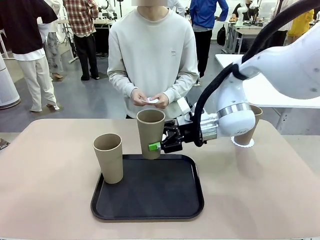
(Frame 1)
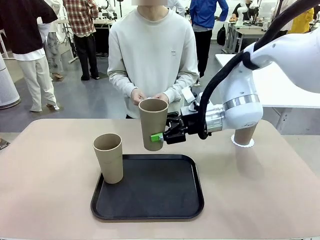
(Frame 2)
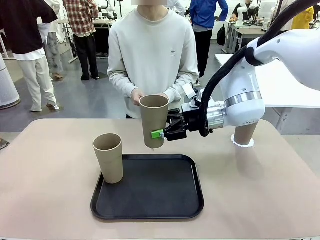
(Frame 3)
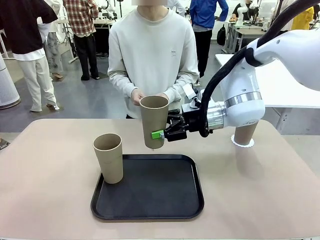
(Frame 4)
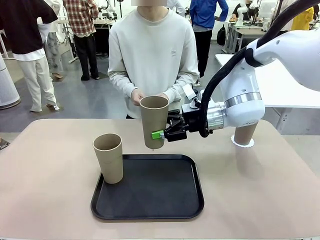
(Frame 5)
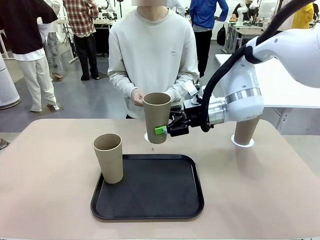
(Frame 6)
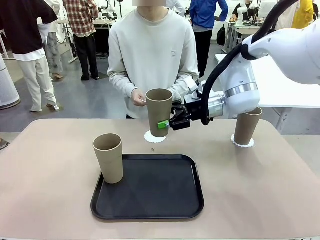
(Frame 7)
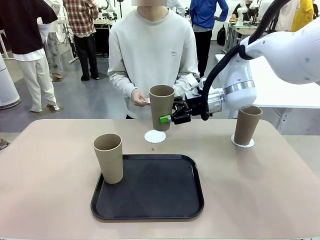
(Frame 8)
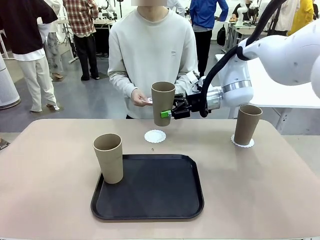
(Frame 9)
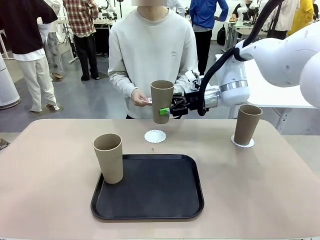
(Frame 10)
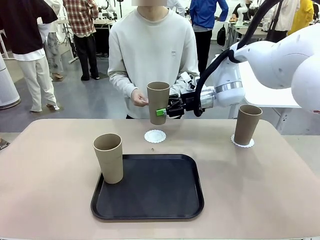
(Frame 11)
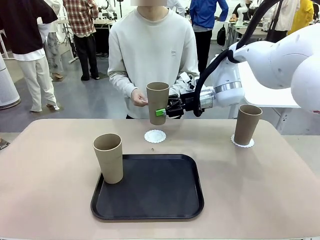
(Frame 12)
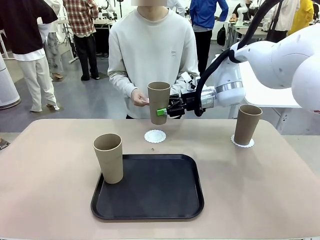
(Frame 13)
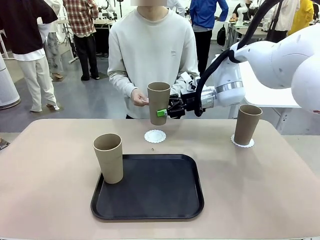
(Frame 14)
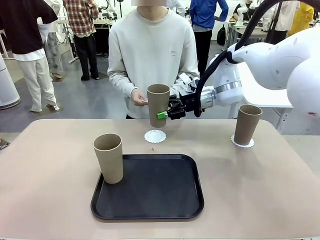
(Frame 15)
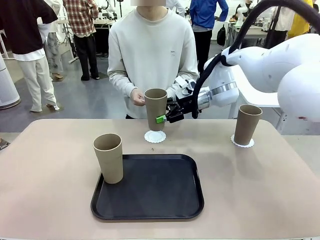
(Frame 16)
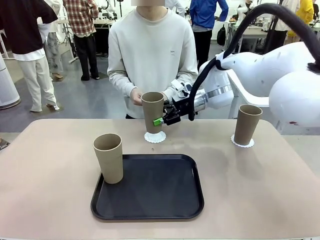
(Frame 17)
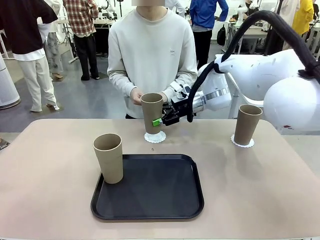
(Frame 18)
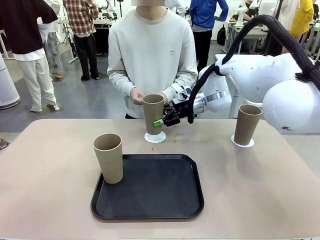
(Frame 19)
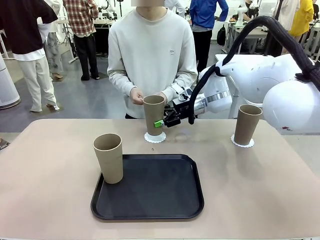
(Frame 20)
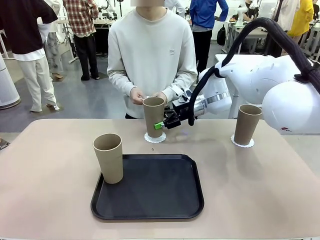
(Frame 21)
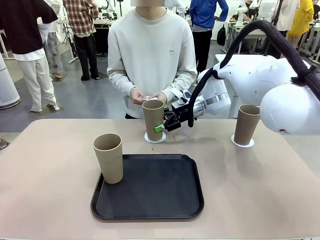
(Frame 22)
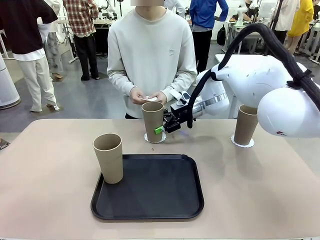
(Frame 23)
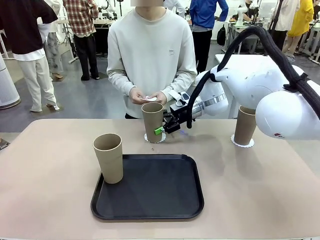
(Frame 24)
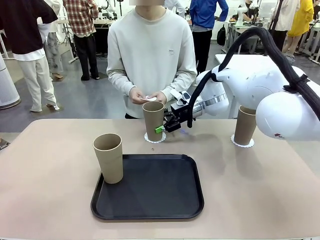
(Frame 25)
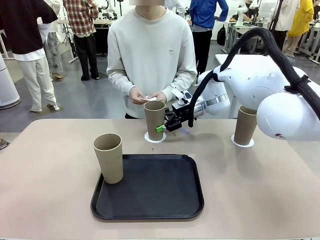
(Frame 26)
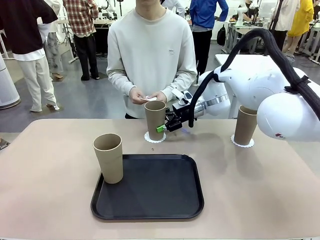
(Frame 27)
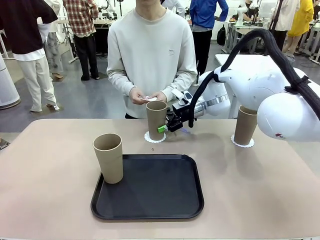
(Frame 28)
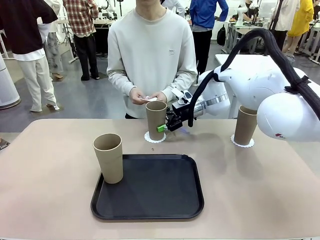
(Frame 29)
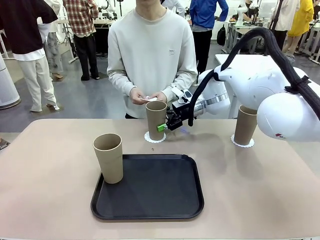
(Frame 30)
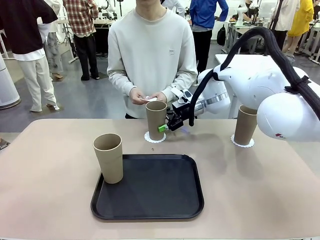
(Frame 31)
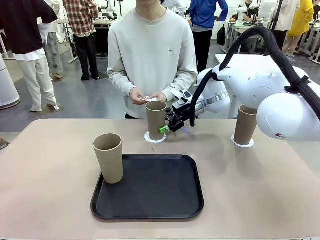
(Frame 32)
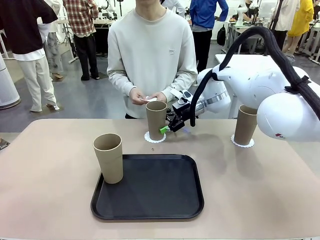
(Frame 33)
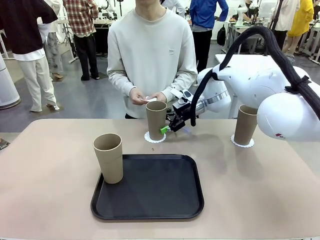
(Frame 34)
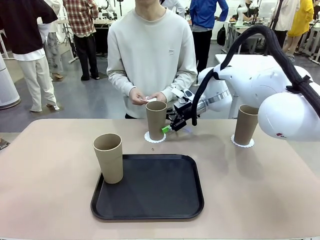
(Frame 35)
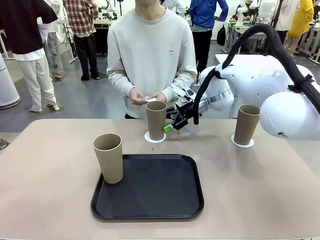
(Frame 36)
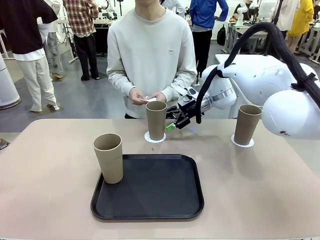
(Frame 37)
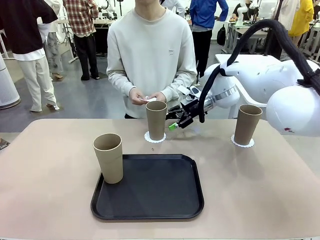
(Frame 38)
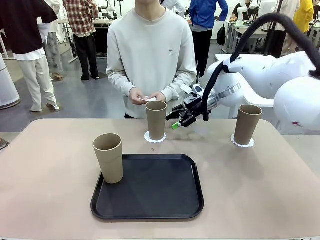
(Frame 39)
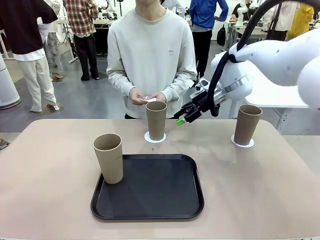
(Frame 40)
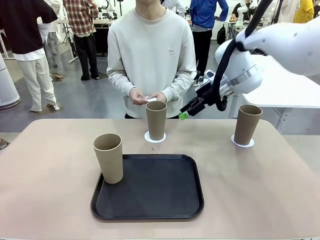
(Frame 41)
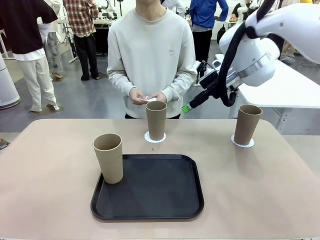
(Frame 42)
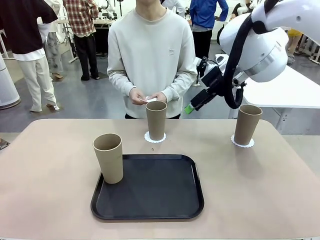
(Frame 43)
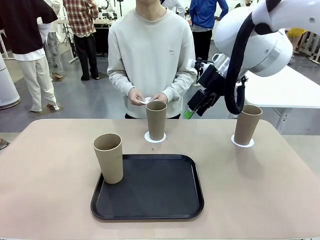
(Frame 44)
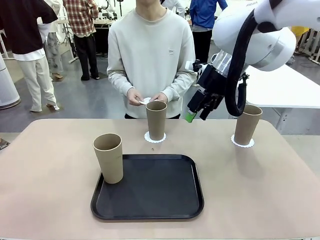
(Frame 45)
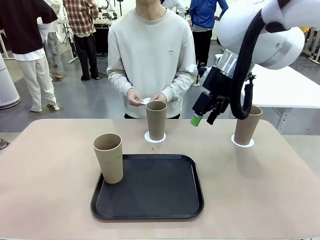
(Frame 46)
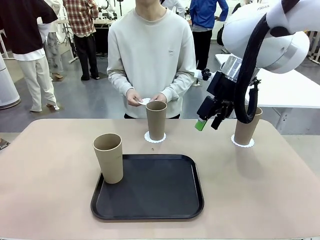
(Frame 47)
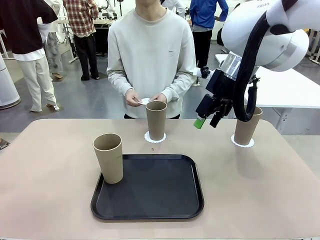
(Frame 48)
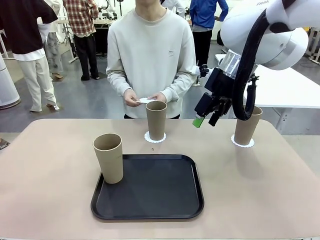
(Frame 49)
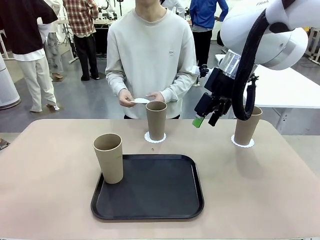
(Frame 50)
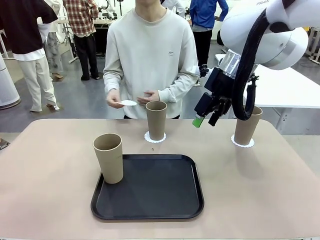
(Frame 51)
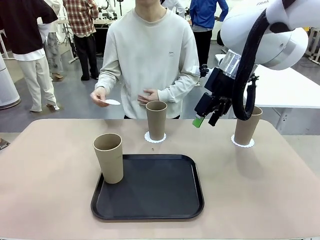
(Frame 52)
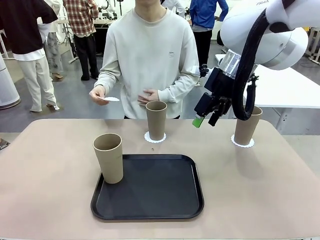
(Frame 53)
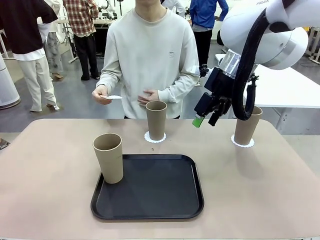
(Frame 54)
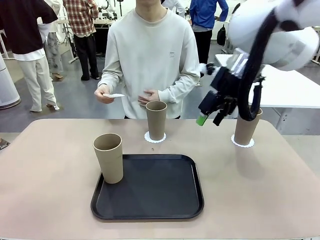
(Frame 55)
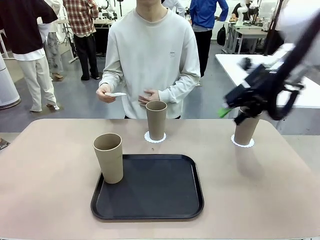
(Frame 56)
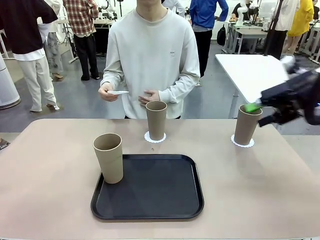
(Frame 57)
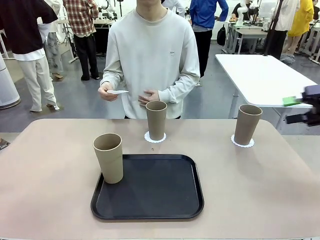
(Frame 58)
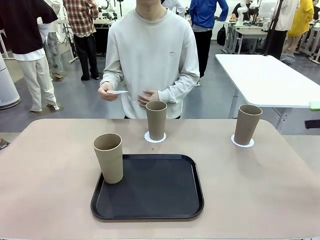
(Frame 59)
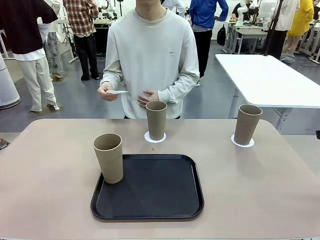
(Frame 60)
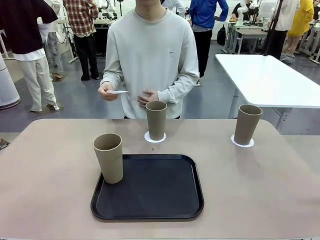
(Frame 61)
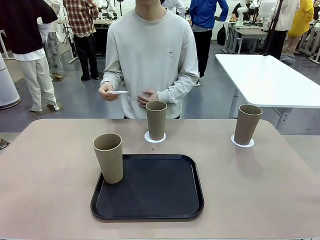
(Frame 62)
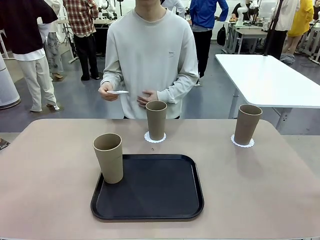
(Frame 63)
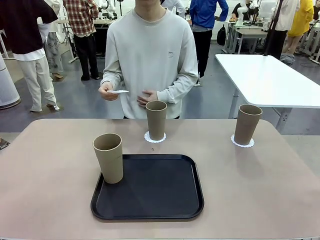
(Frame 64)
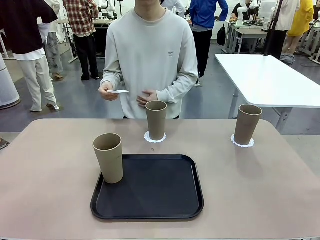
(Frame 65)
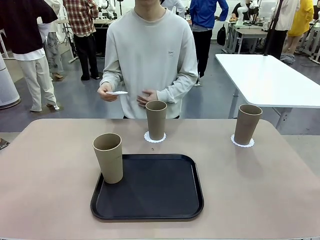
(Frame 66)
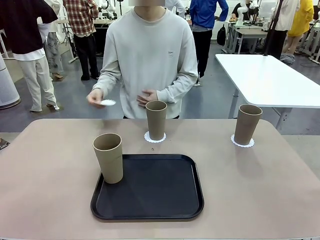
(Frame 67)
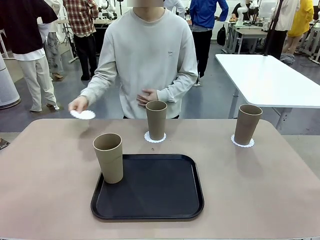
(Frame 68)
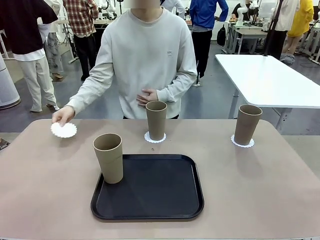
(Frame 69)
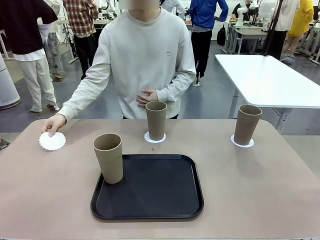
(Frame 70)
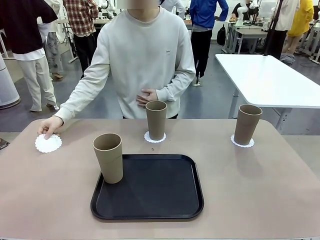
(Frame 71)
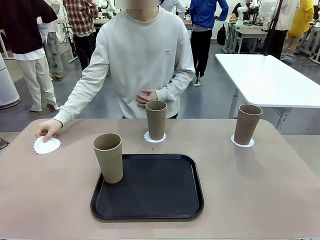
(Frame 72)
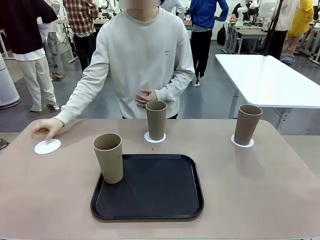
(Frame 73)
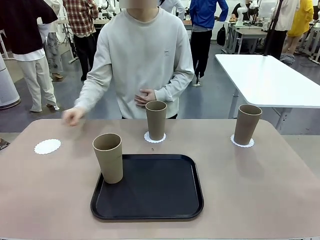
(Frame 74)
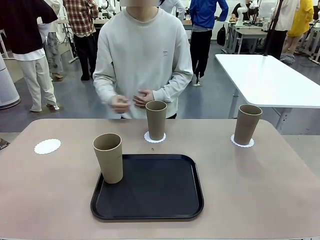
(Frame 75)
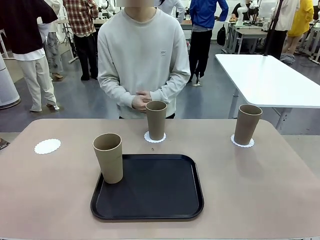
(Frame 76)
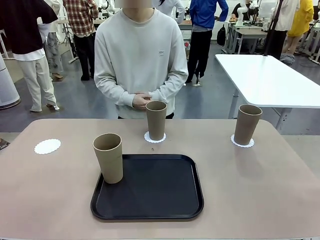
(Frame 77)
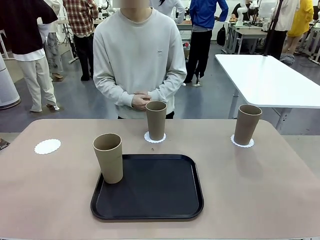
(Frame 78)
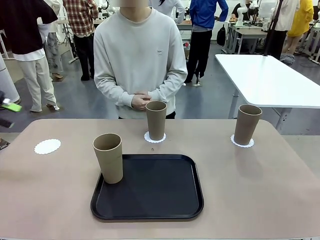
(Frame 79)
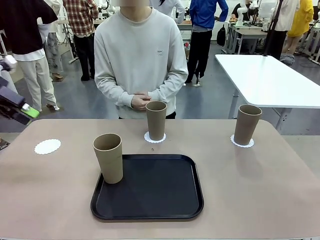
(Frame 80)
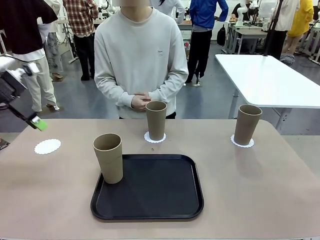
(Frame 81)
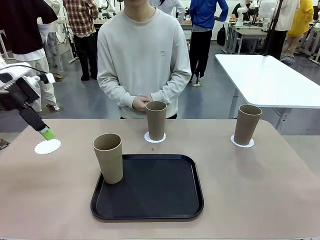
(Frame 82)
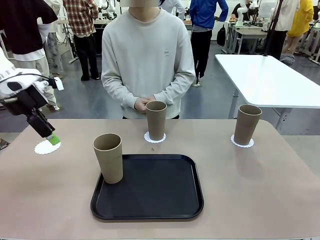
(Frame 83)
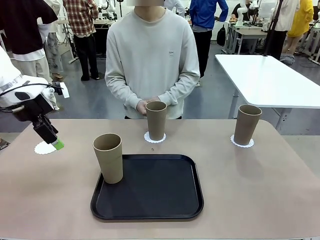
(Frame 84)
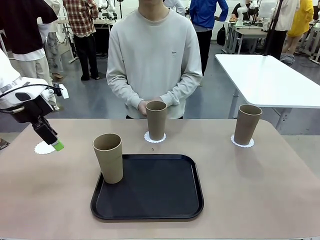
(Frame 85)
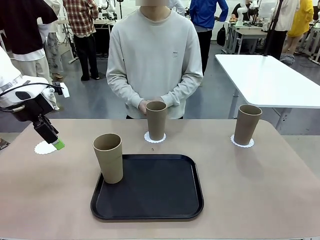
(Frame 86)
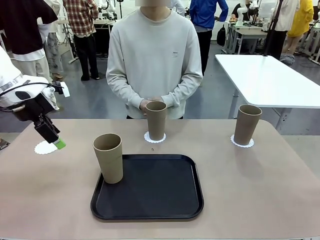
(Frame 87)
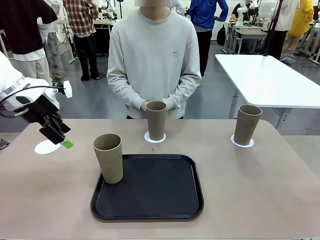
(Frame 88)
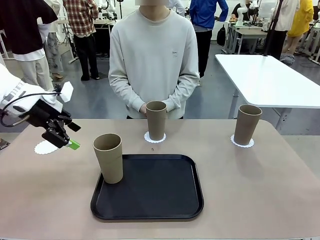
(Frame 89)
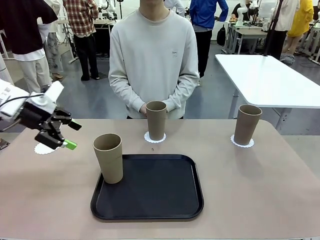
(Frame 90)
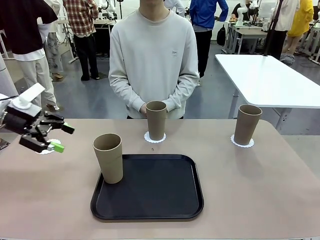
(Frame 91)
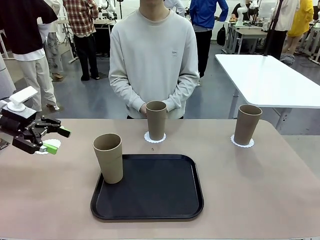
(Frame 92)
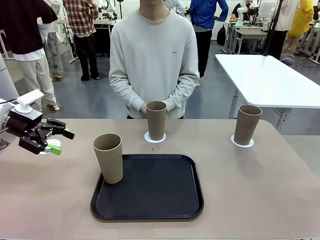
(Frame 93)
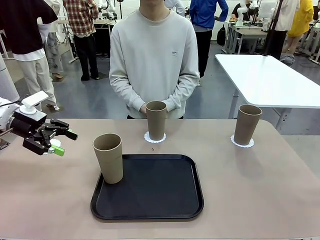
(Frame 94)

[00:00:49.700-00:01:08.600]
Task: Place coasters on the table and set cups on them.
Robot: Take one Reusable plastic cup from the Flat Tray and place it on a coaster set by the human.
